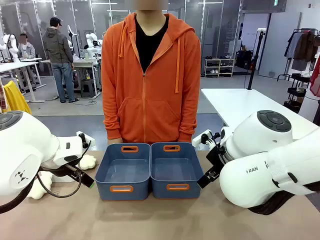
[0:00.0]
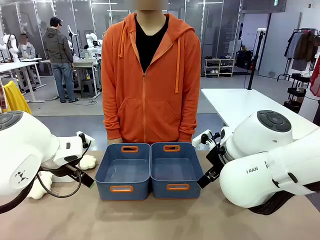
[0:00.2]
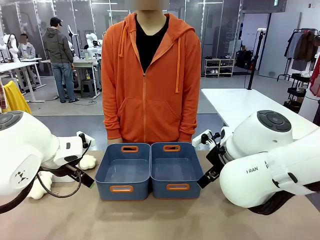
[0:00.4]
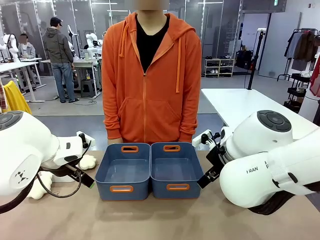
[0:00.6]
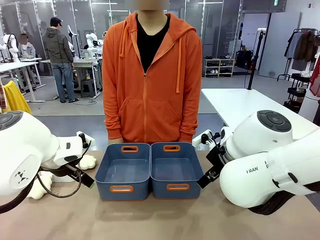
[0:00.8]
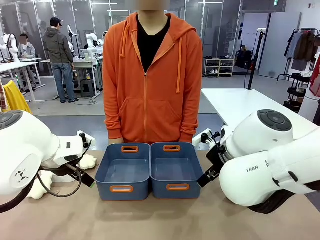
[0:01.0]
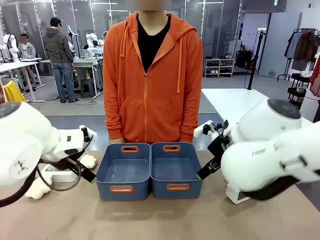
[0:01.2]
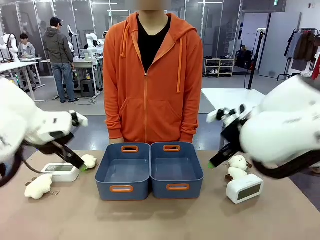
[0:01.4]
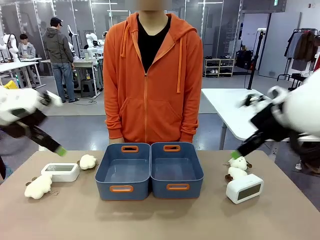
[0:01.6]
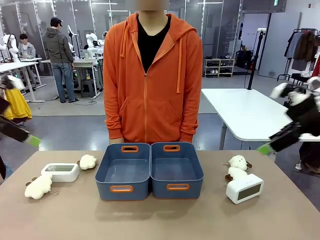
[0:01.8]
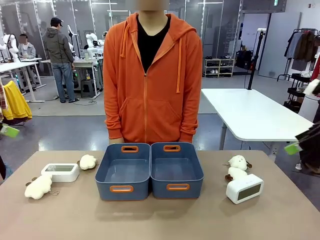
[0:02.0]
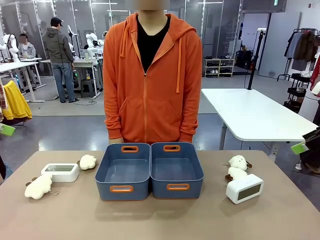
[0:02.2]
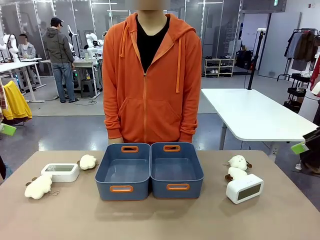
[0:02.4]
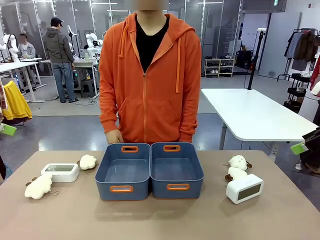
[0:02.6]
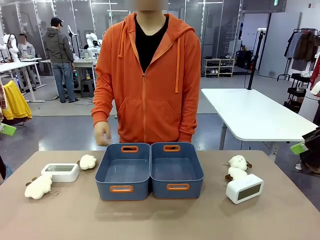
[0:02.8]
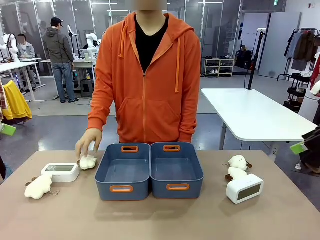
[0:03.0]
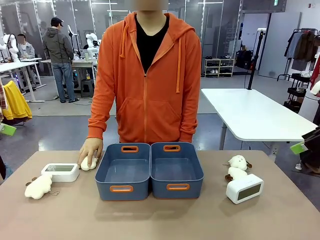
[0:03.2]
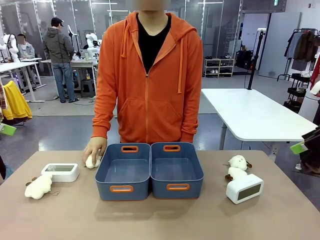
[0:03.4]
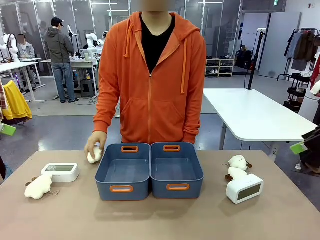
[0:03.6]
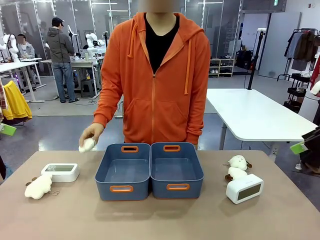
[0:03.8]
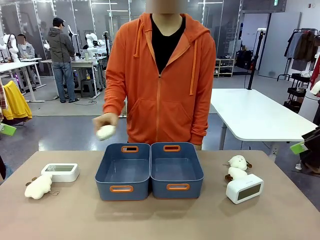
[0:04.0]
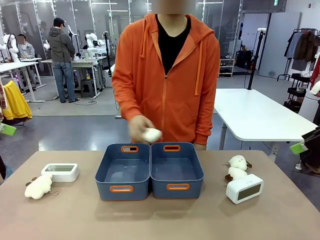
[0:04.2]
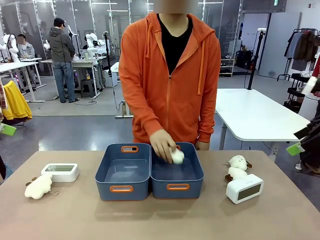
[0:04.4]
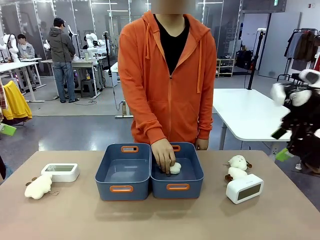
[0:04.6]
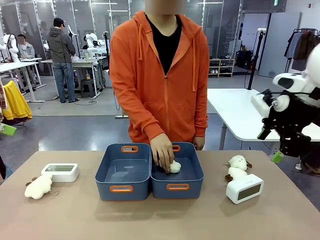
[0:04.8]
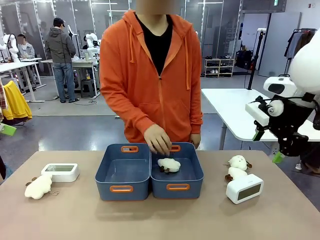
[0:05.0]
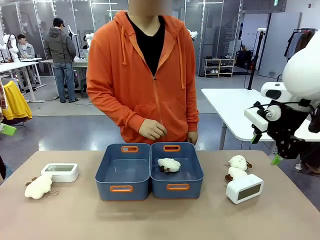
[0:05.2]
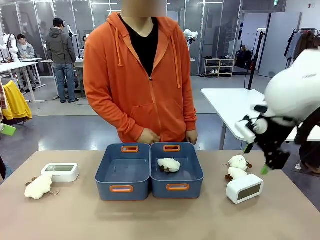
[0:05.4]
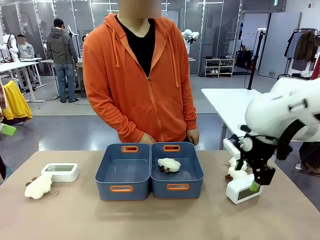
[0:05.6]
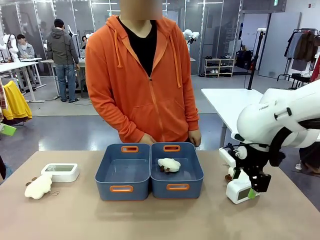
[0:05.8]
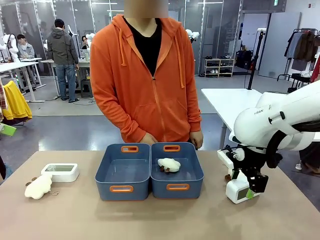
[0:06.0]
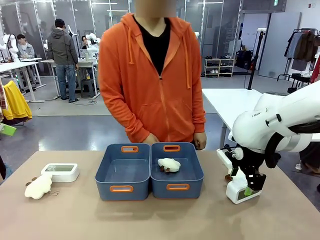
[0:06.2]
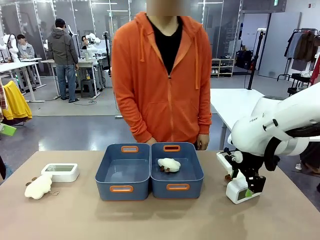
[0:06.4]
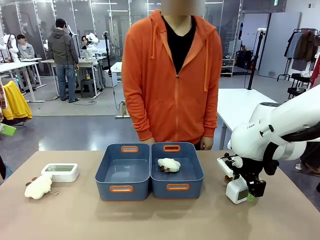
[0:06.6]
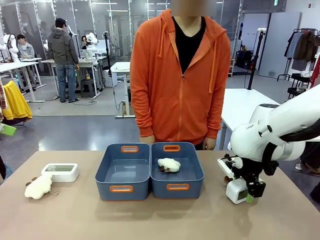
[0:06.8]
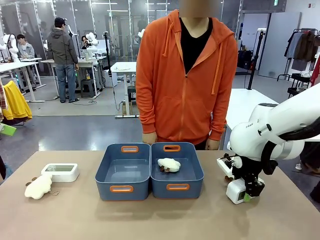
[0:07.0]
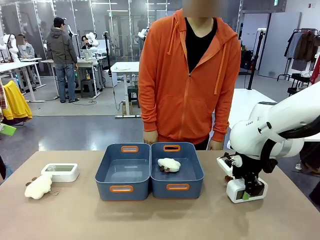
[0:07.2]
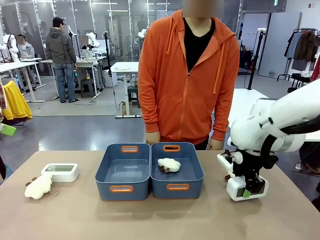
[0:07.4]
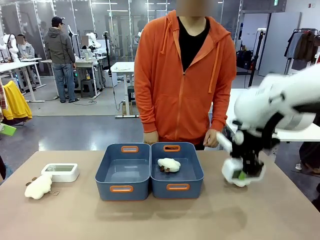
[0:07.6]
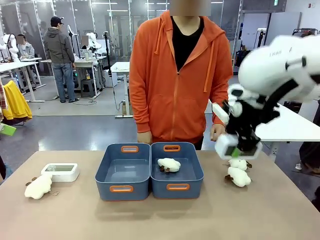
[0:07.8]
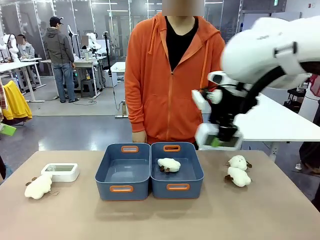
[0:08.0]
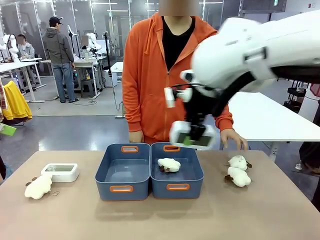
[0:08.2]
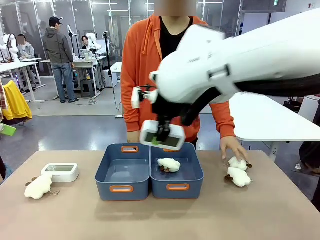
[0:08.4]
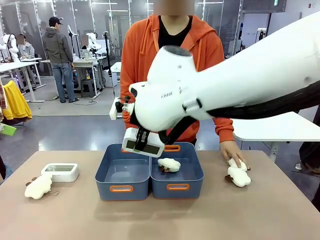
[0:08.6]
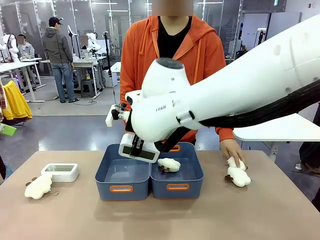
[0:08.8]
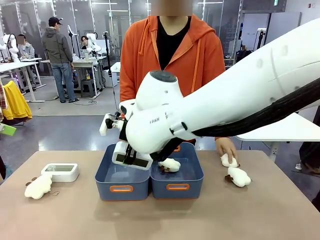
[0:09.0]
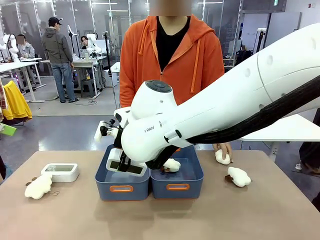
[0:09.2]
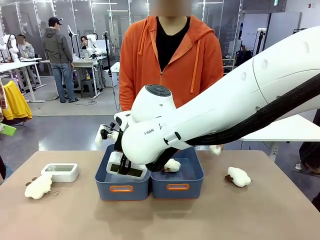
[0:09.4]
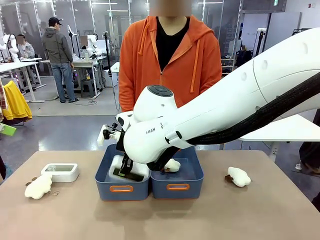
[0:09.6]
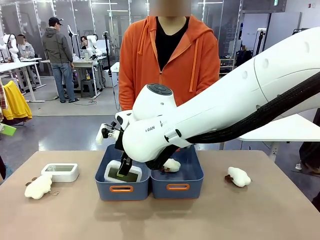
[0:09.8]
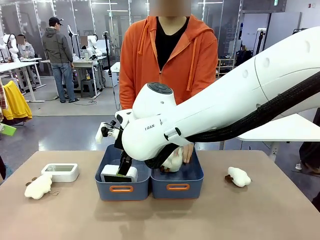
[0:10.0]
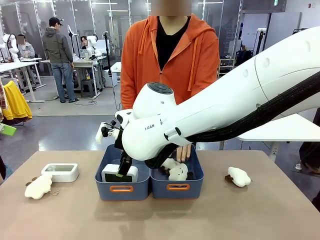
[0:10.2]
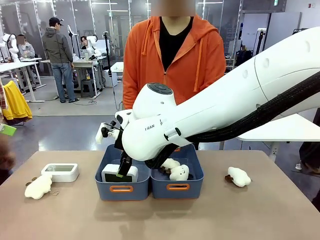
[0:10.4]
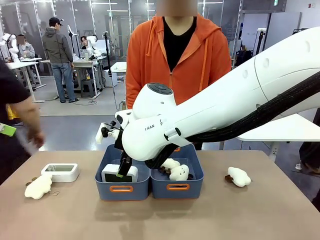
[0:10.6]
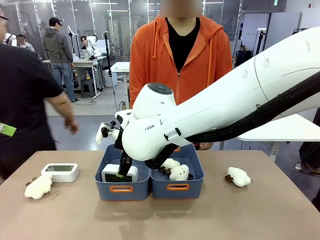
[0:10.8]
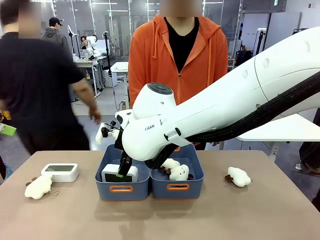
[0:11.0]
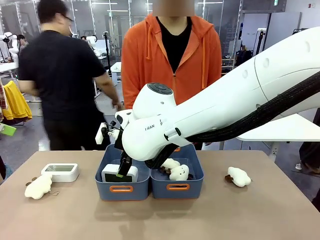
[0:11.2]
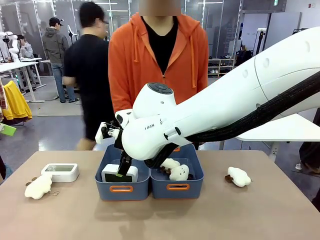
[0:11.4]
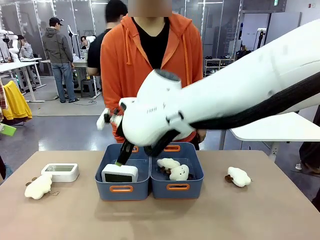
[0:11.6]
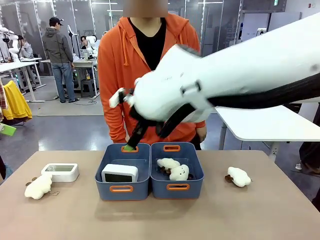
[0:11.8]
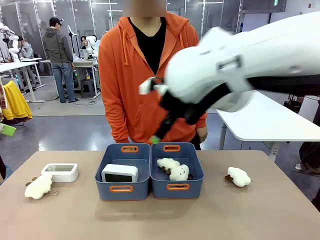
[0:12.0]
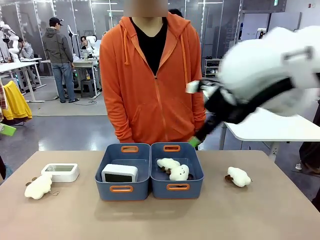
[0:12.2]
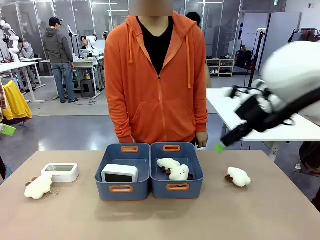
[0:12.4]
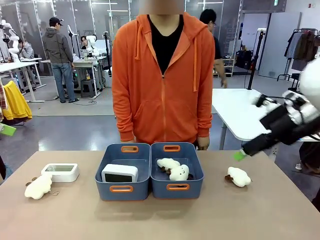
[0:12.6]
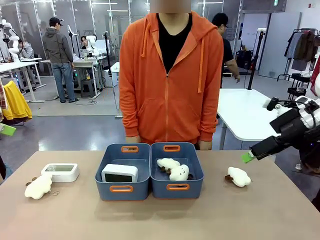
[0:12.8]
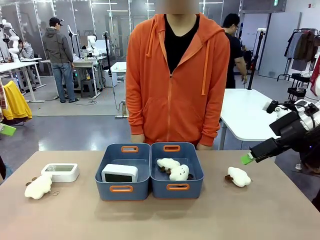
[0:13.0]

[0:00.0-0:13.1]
Task: Sort the digital clocks into the basket.
Robot: Pick up the Digital clock from the table and place it into the empty Plastic storage basket.
Person: Pick up a plush toy from the table and place it in a plastic storage basket.
